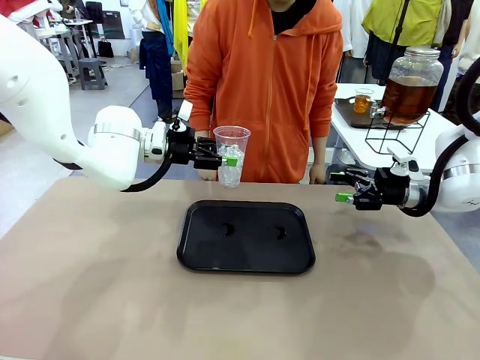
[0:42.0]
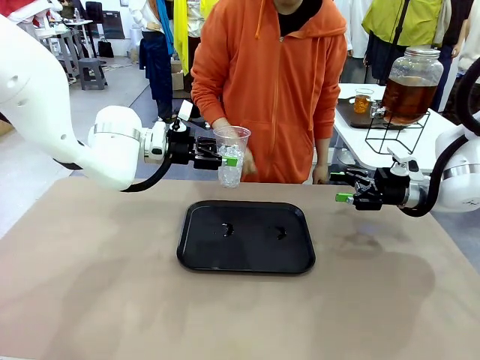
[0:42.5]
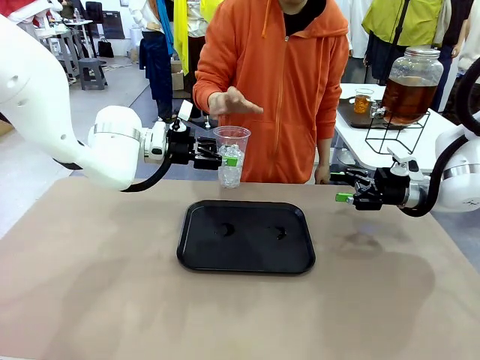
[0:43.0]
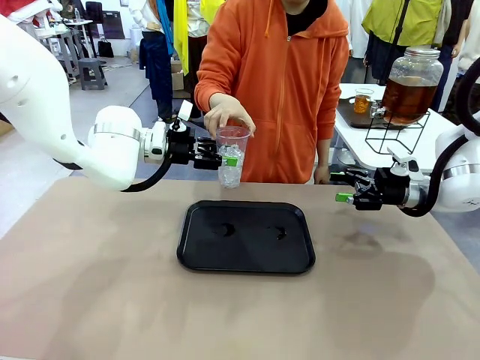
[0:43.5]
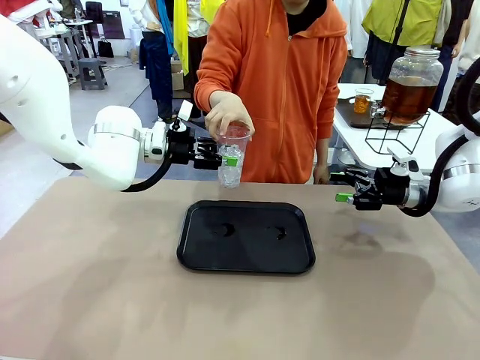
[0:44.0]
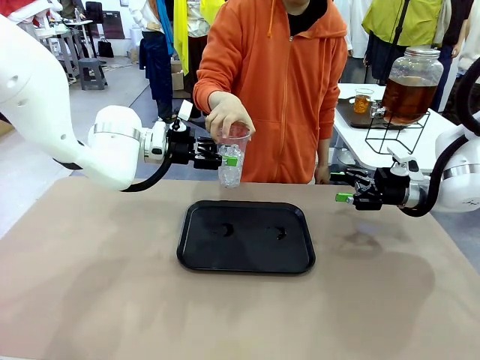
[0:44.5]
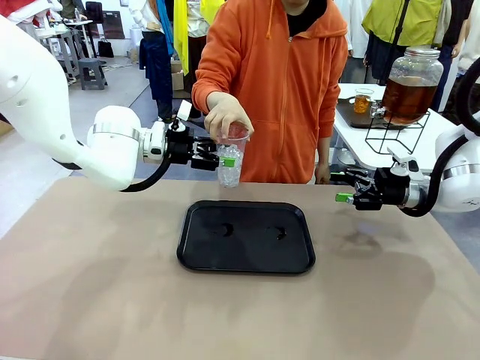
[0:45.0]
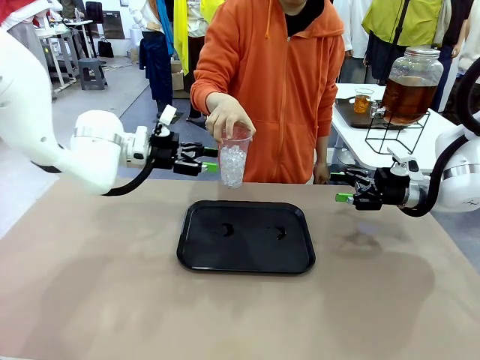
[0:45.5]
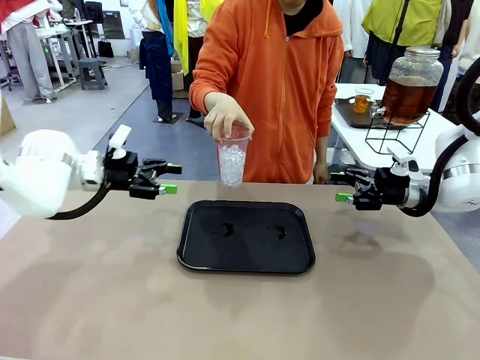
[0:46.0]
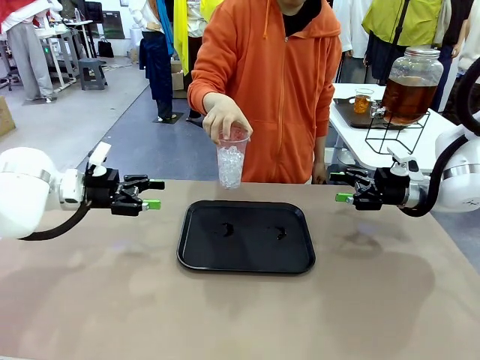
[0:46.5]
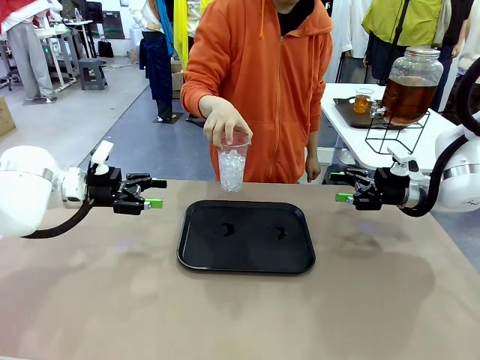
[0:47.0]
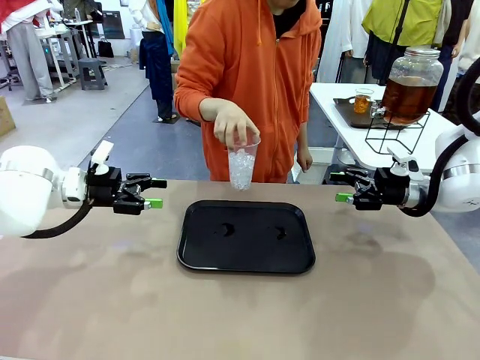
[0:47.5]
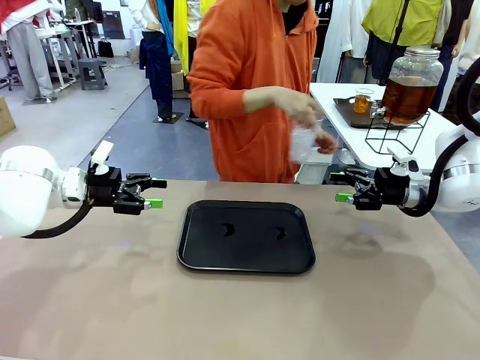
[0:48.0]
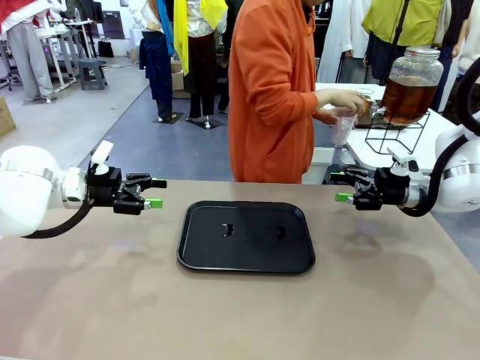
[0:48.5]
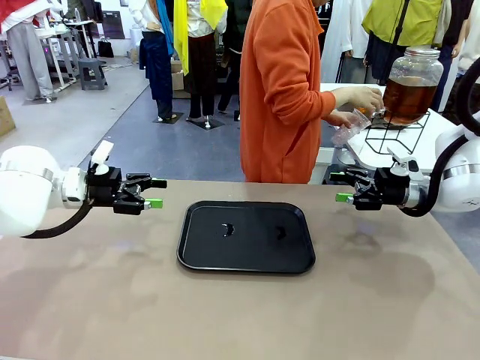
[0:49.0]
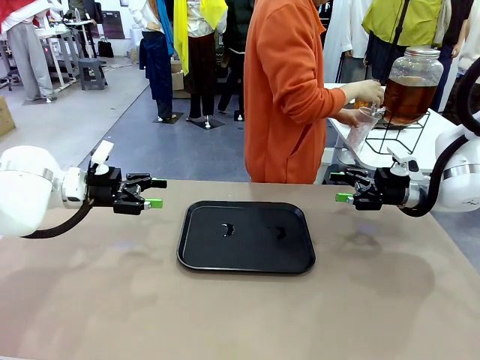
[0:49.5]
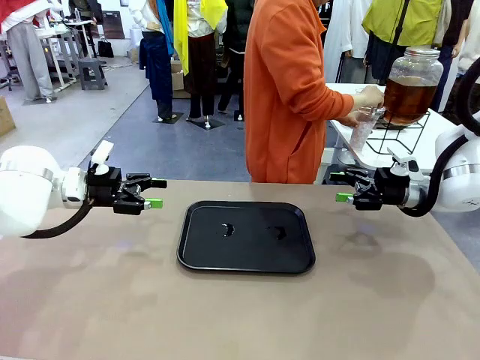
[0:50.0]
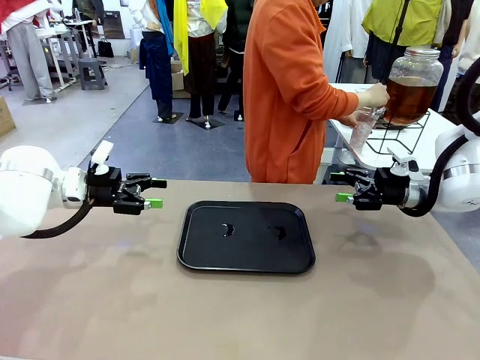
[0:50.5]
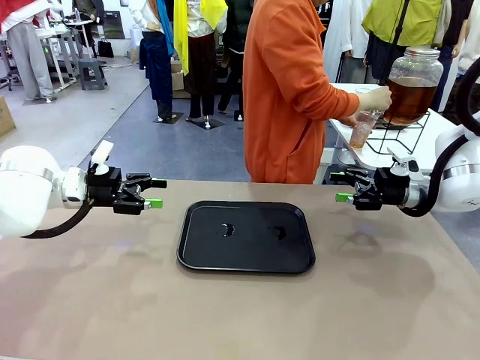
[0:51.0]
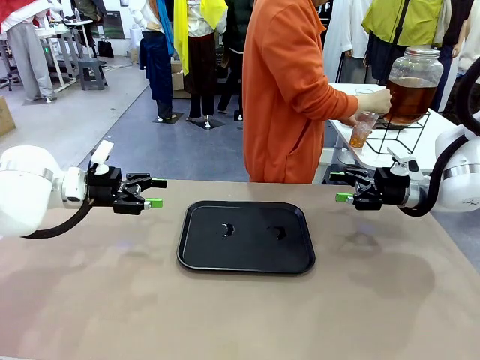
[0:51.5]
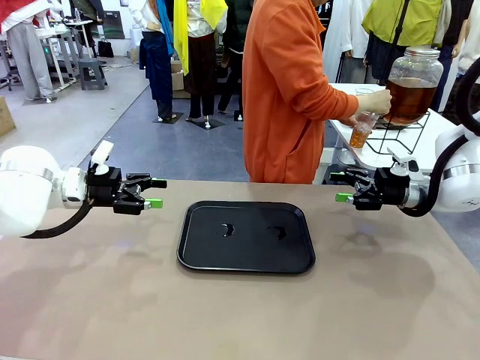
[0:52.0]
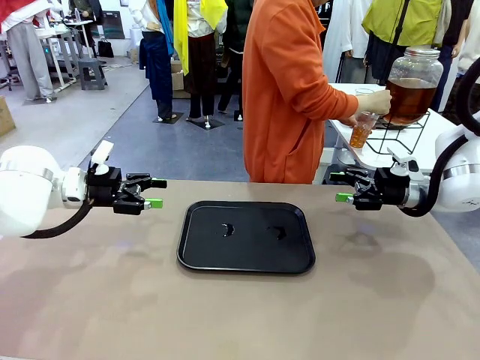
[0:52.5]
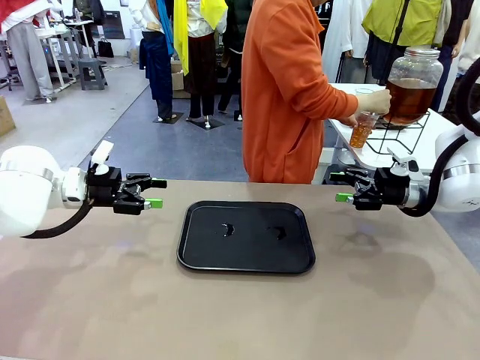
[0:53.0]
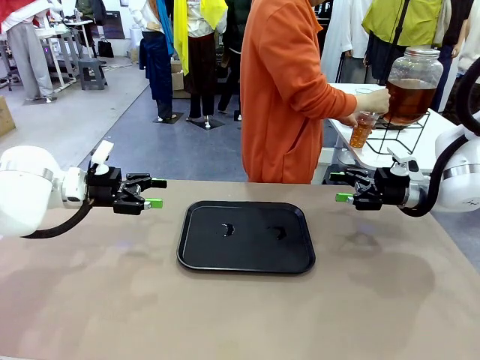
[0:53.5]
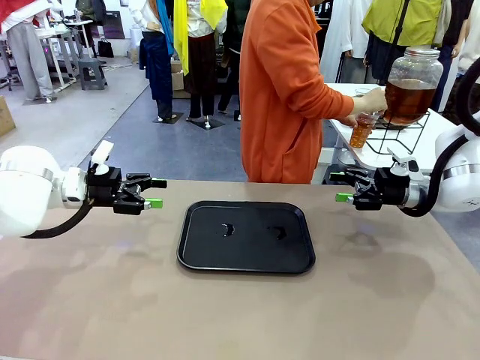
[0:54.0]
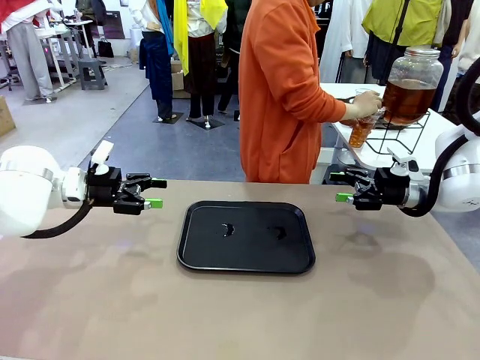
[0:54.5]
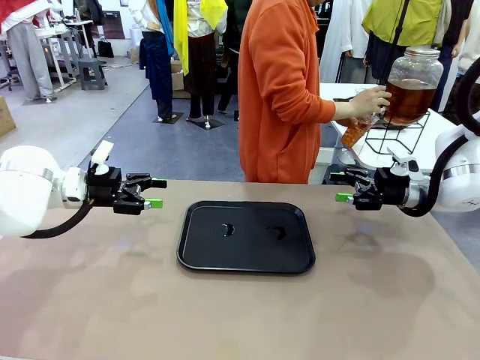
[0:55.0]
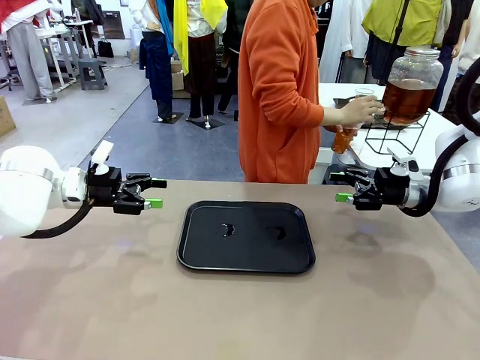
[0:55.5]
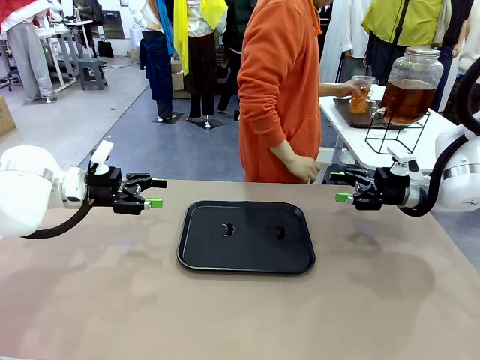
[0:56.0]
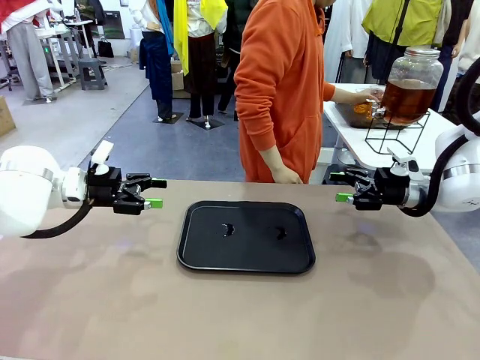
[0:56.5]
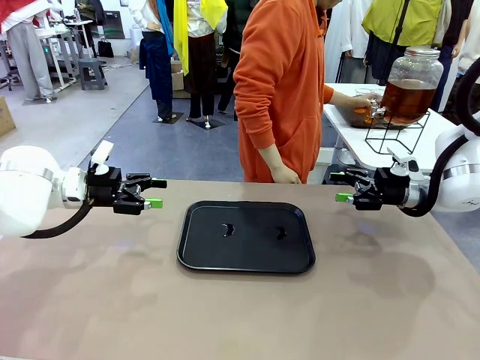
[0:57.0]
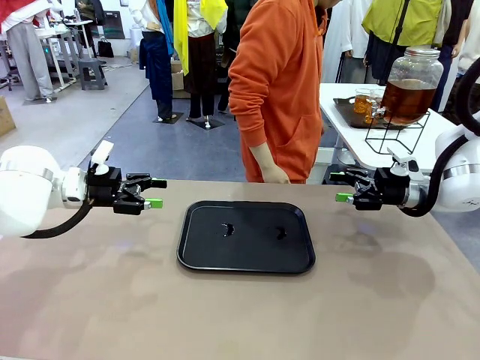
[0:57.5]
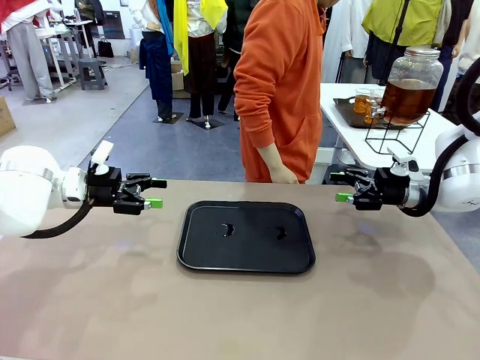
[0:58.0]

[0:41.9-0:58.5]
Task: Pour the drink into the iced cup.
Robot: Open the gripper to release the iced cup you were holding.
Person: Move the picked-up cup under the dispenser faucet, pour the drink, and place it on the tray on the human table.

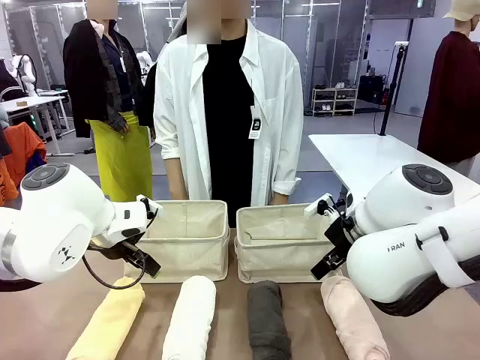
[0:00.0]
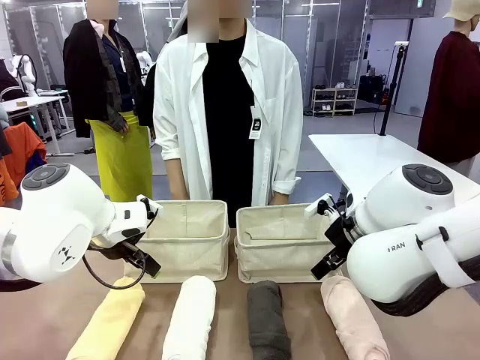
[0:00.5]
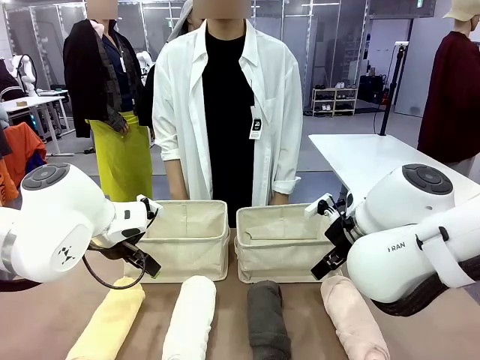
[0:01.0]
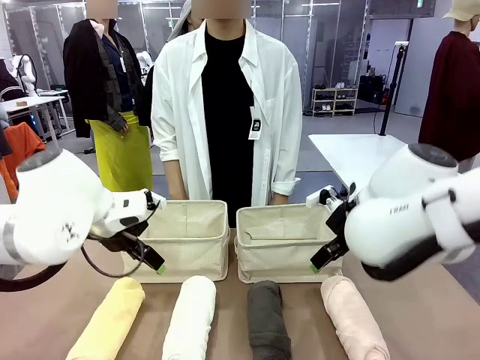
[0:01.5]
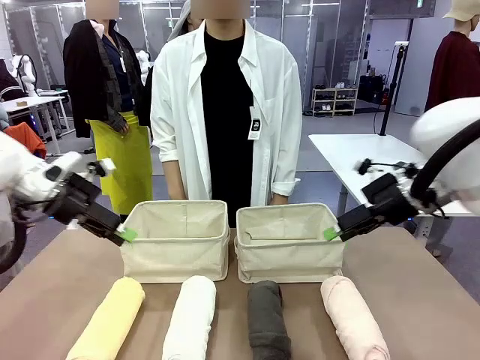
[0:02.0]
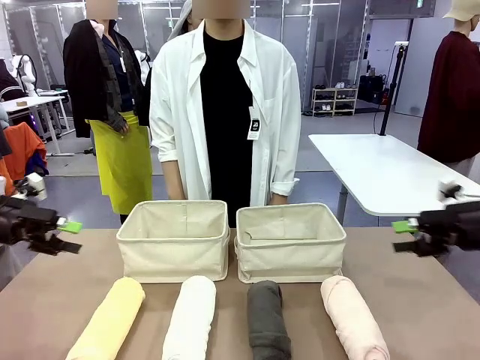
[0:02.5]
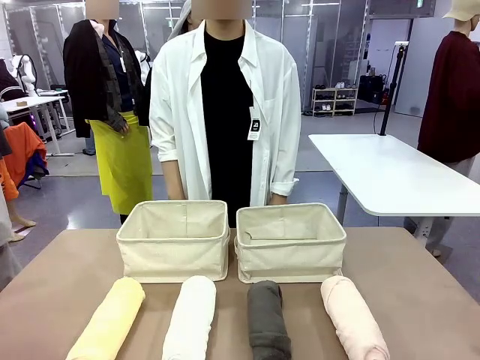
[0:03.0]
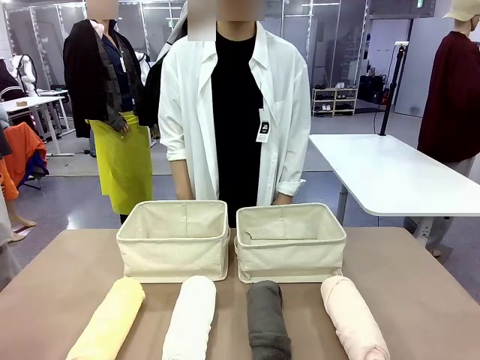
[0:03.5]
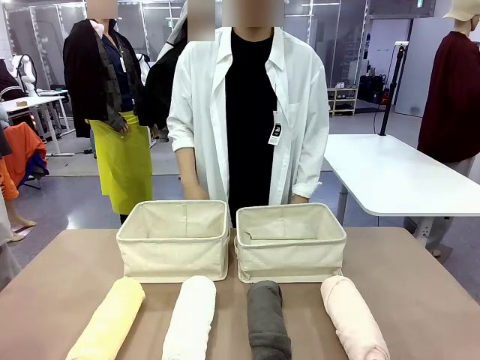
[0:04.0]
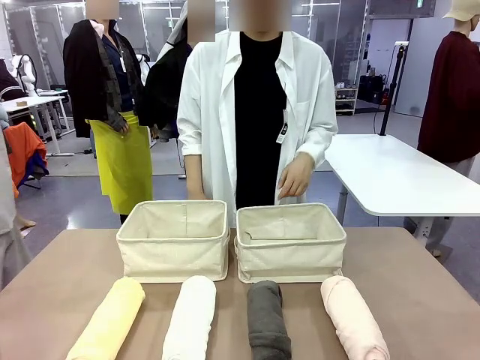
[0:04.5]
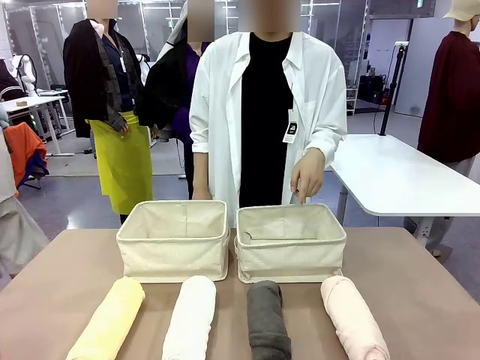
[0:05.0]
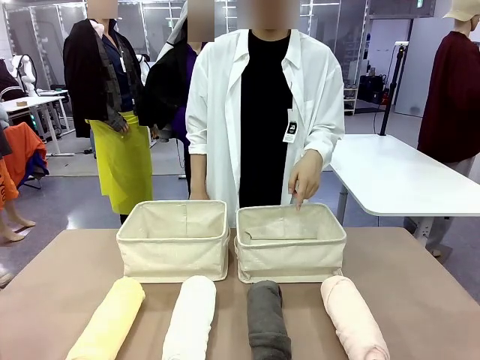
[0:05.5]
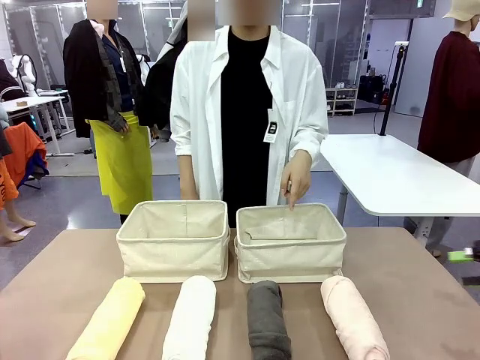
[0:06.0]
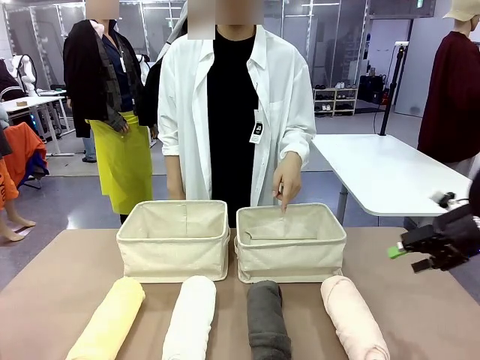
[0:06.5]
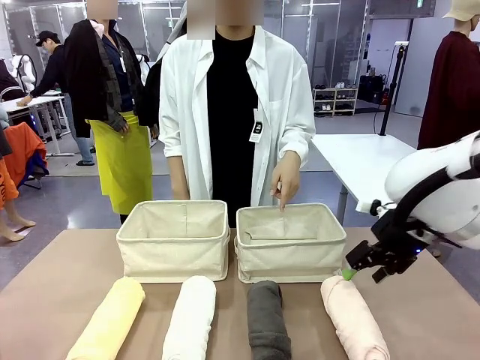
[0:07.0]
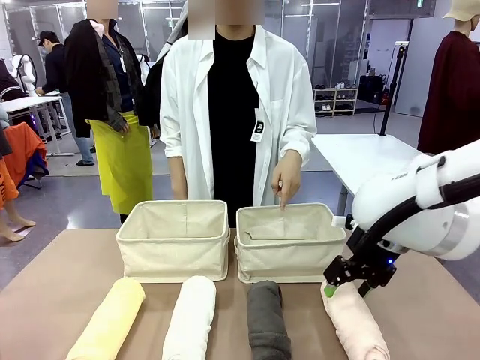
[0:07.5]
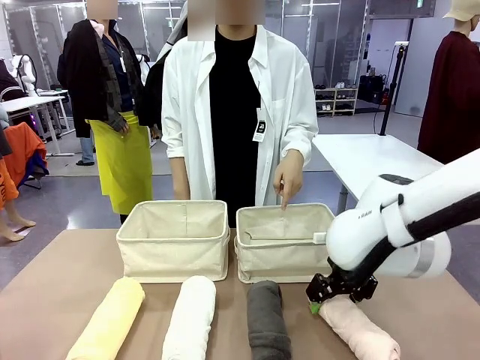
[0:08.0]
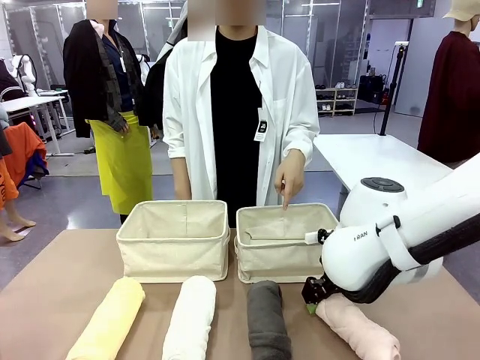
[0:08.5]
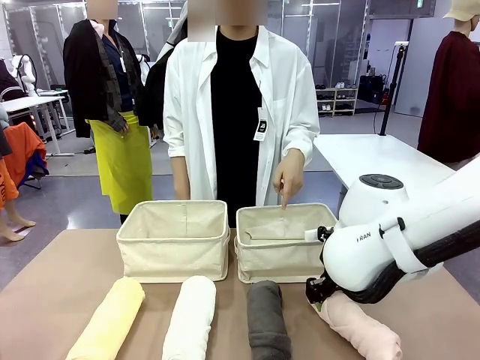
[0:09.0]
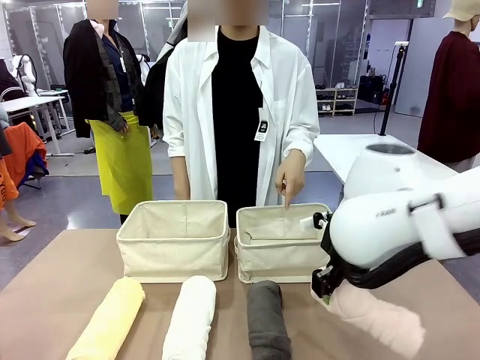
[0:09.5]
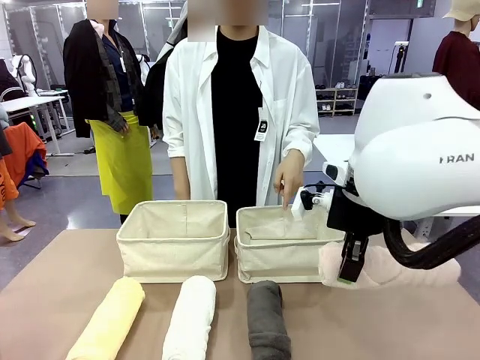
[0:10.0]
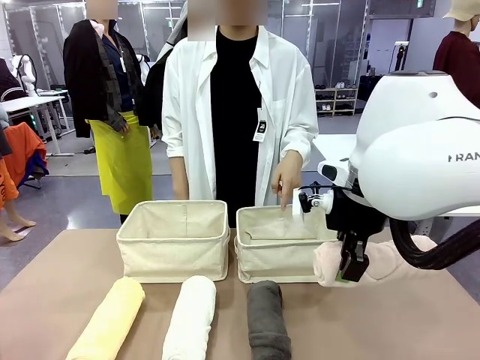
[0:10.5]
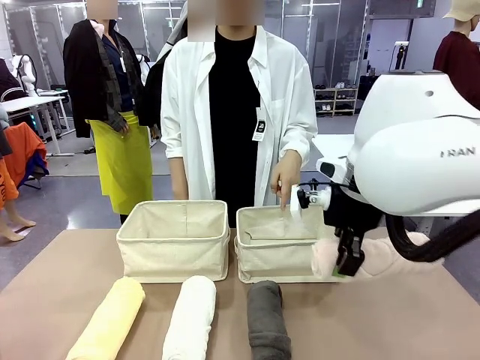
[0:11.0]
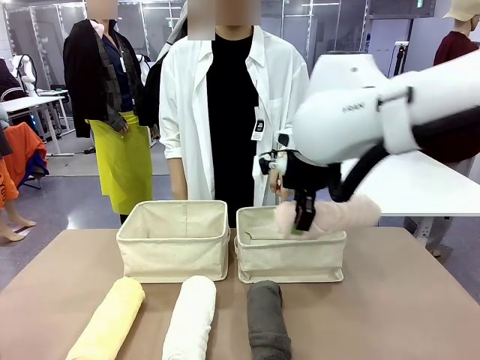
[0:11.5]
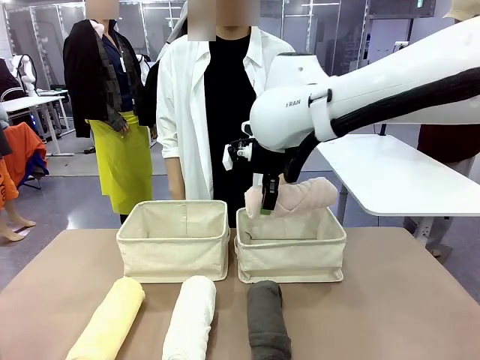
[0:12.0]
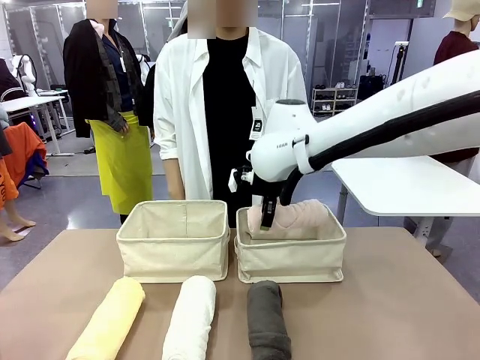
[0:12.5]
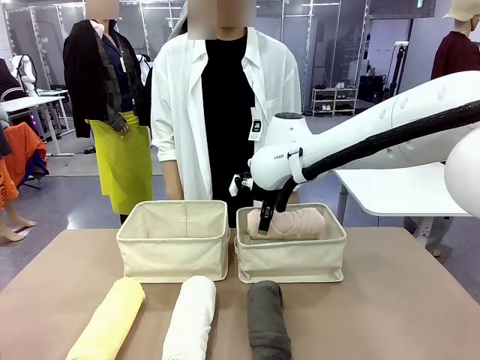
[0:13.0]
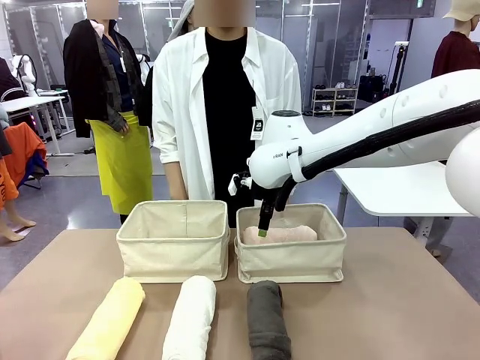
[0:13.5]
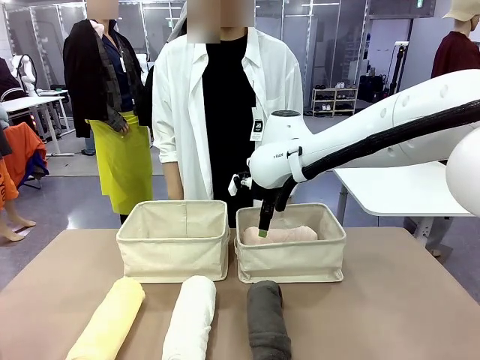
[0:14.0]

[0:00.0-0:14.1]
Task: Divide the towels into two baskets.
Robot: Pick up one hotel-folded towel and place it in the Fabric basket indicated by the person.
